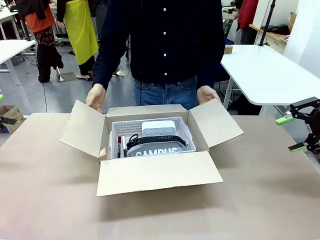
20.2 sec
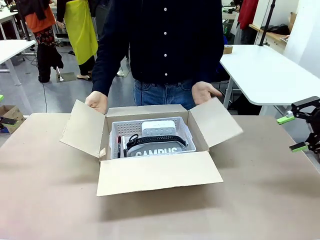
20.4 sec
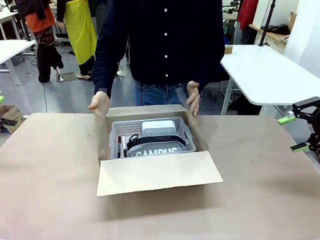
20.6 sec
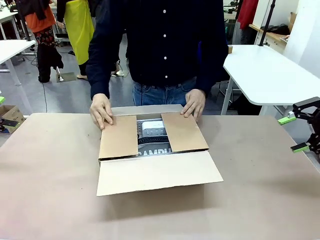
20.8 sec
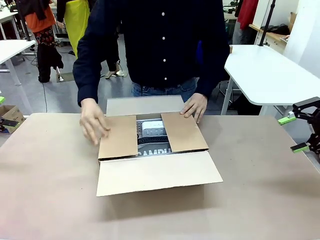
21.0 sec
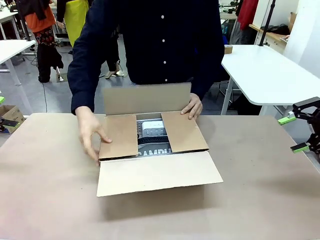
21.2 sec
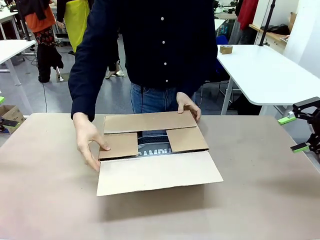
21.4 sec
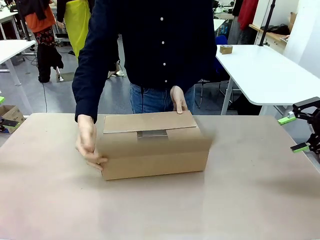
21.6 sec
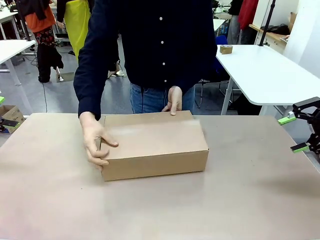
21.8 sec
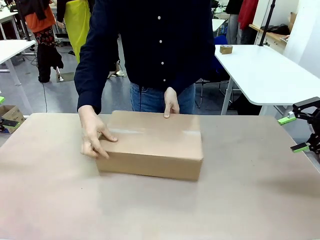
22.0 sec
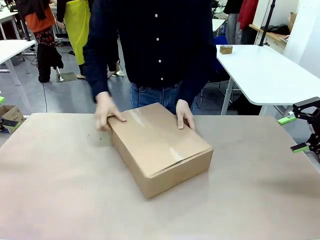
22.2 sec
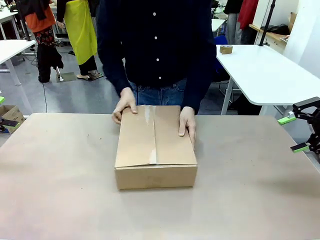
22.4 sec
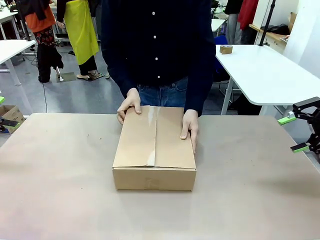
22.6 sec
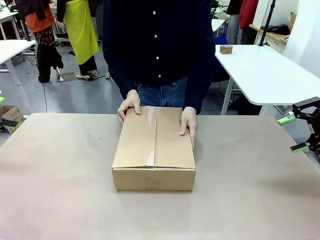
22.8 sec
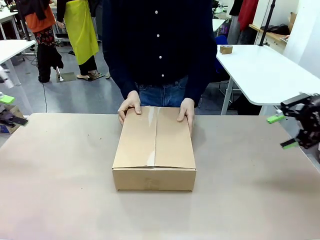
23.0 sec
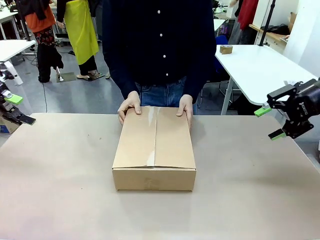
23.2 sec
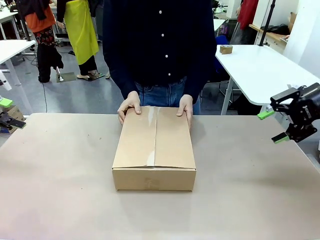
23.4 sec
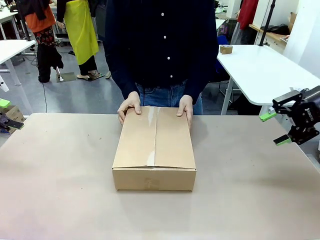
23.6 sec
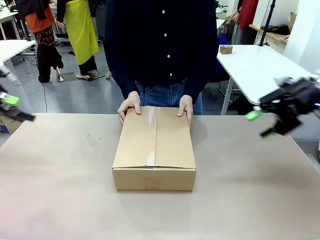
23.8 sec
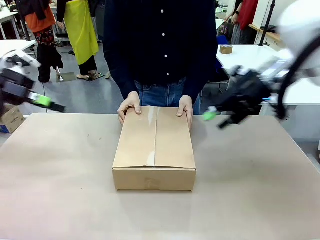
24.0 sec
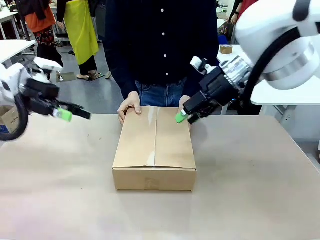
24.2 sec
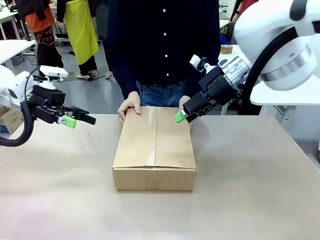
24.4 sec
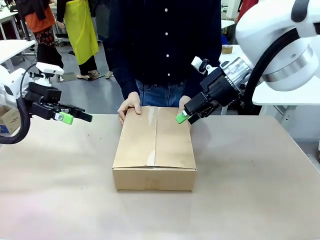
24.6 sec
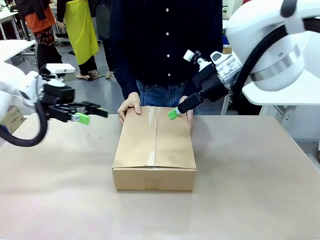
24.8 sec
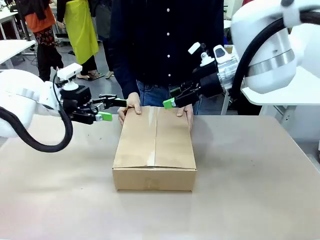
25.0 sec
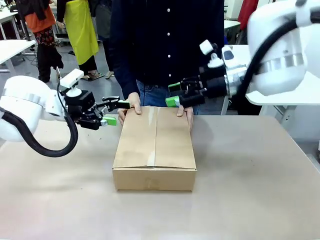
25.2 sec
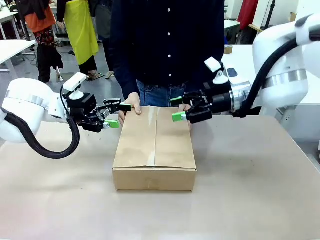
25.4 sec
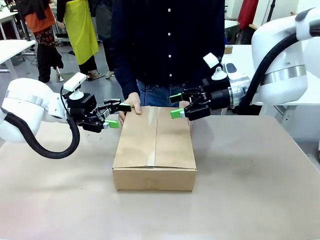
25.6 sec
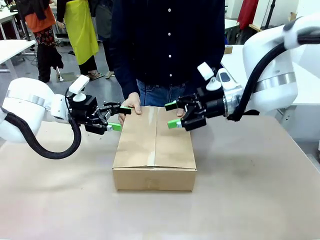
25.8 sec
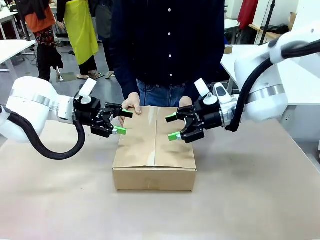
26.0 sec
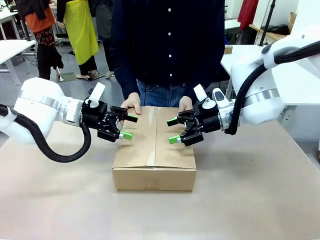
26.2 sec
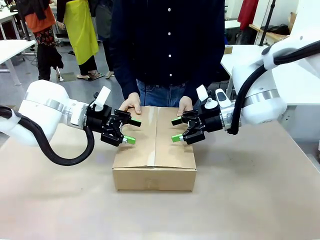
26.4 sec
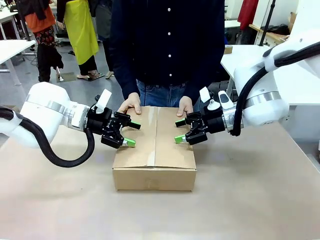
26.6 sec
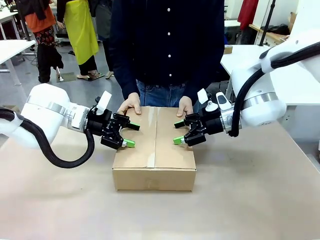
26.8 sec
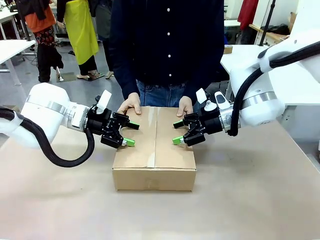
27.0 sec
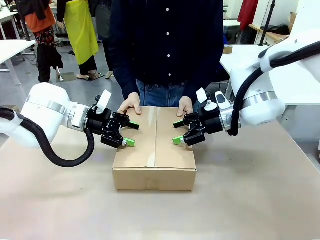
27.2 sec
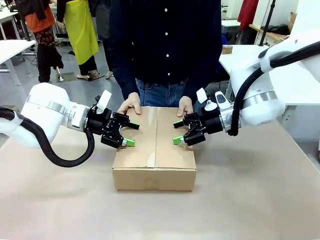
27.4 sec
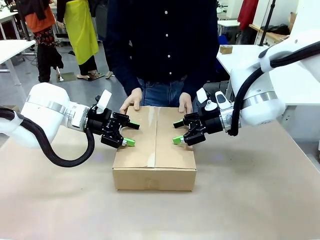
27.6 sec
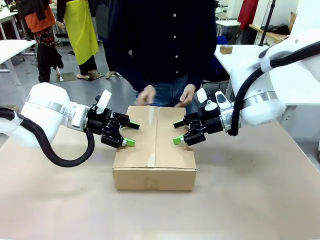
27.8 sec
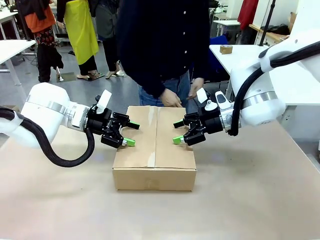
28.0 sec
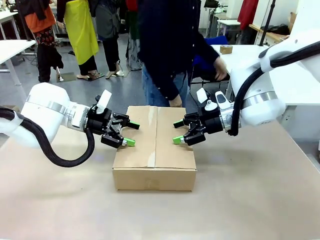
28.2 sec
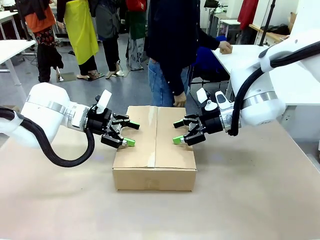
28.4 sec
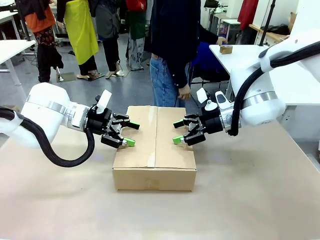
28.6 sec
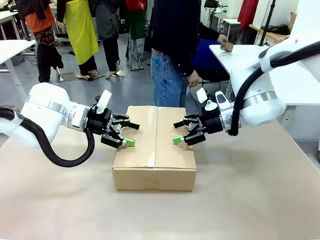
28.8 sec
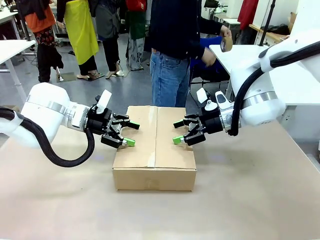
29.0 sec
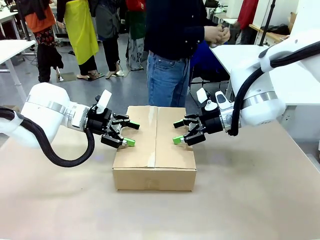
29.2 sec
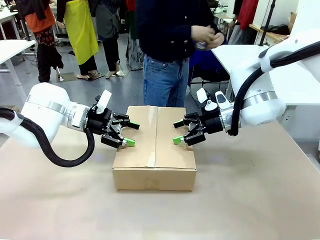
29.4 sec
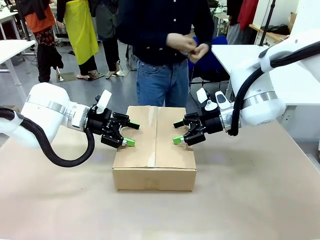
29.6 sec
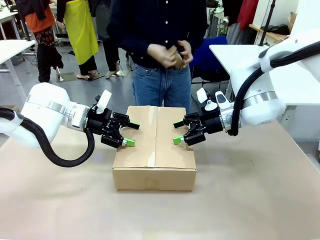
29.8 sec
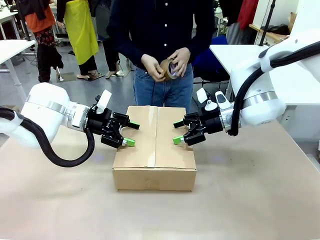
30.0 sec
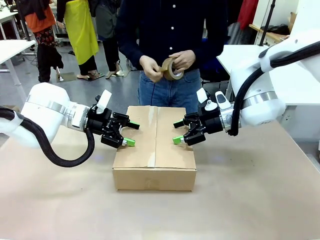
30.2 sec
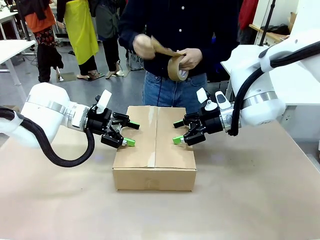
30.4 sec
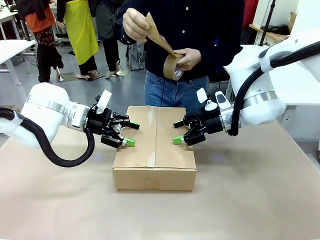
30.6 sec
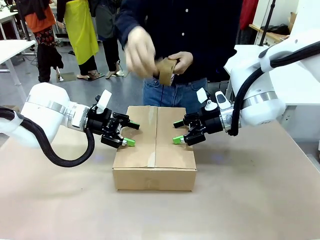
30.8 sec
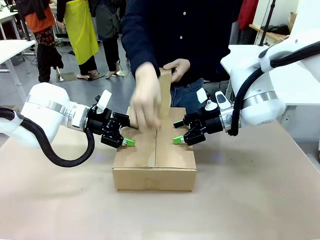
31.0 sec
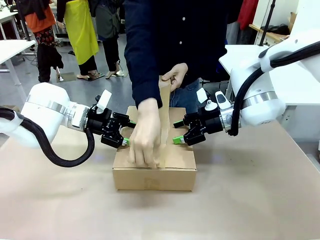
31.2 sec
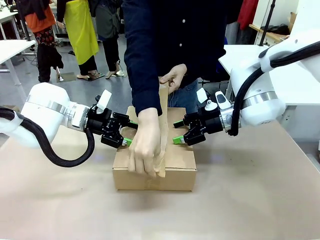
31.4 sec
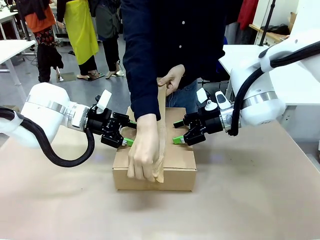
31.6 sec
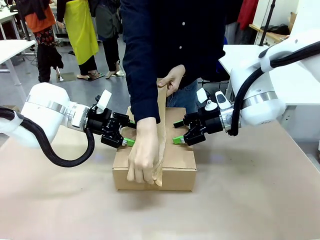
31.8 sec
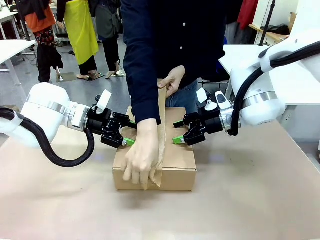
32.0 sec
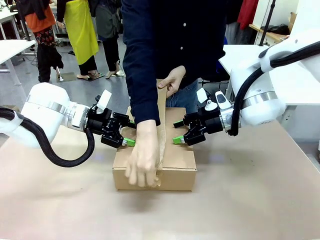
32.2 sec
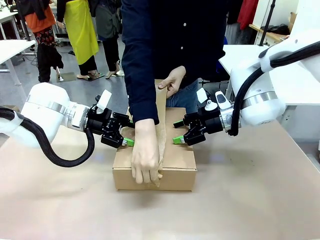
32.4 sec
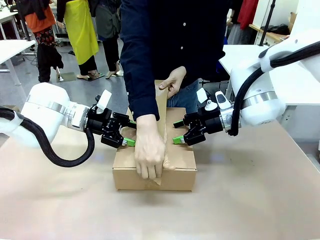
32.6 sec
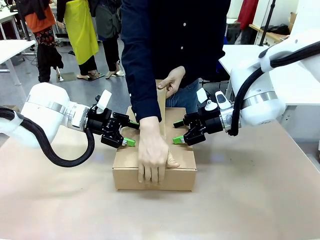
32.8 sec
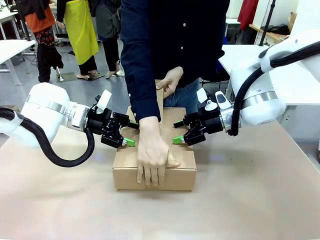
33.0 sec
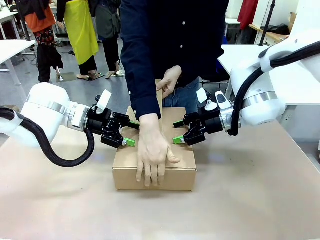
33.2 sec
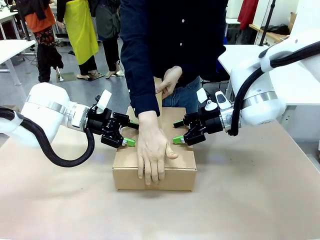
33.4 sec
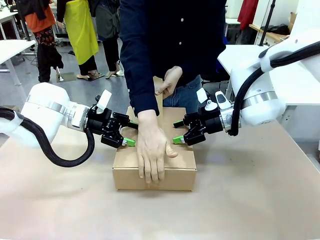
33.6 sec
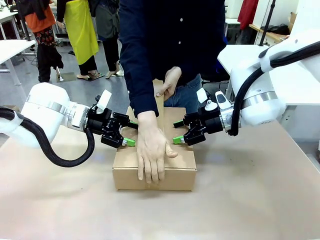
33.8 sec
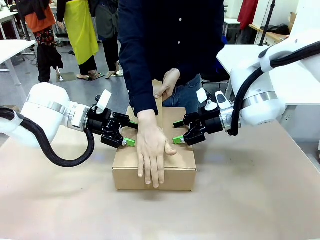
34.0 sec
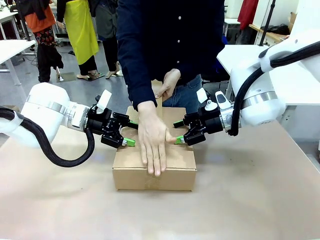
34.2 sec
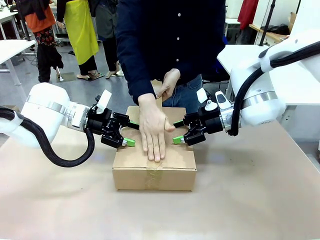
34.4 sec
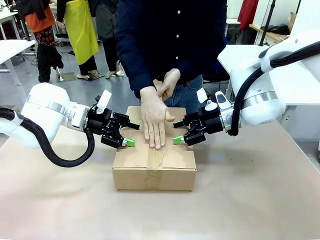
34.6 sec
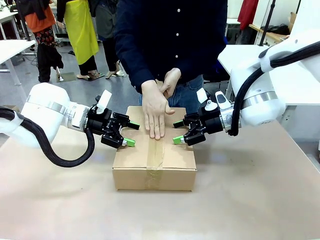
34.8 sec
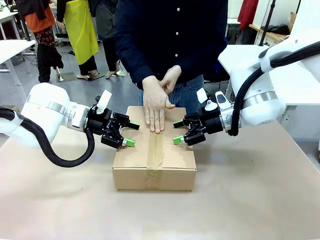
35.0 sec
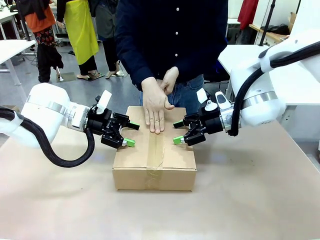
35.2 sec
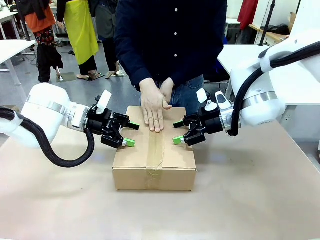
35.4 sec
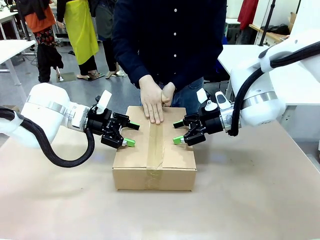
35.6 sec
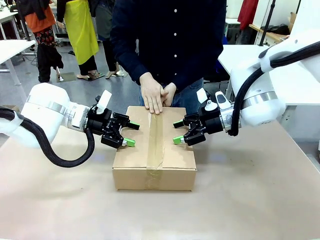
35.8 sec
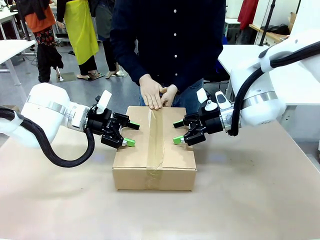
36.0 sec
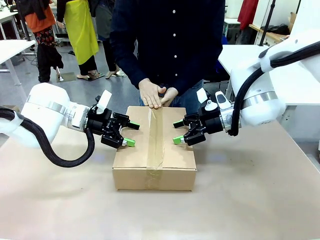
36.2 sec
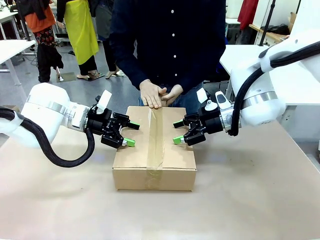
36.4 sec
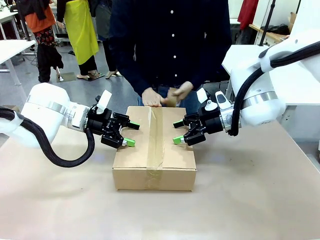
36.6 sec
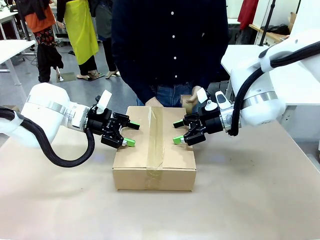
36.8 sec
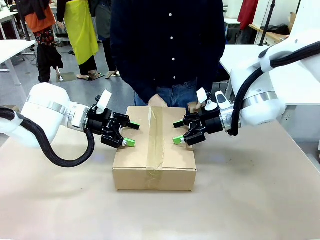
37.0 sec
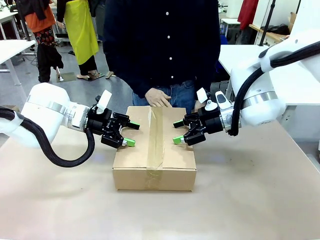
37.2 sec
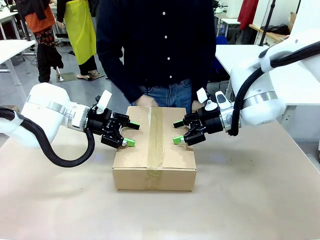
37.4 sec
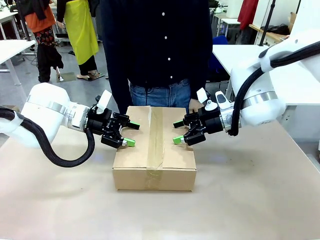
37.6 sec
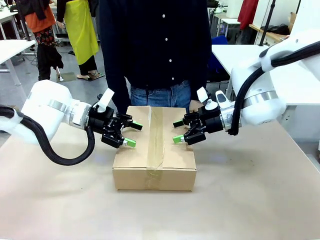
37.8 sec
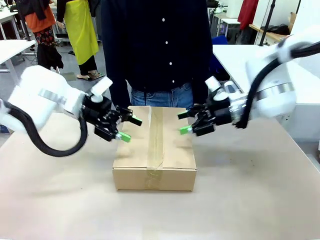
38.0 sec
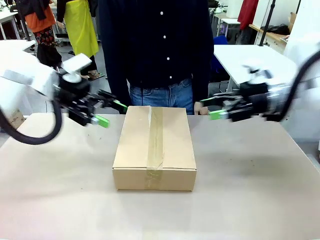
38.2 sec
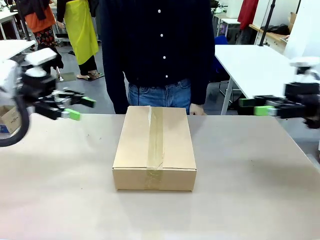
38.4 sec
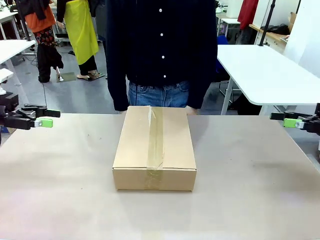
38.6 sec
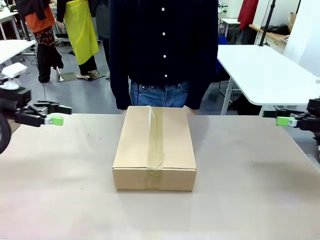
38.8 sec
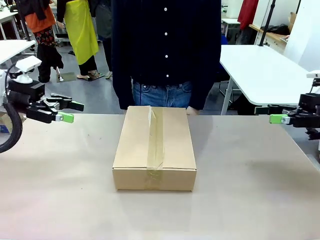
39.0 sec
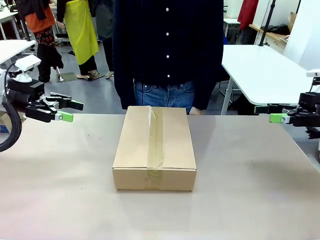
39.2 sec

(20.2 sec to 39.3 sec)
Task: Pack the gift set into the box.
Robot: Press and hold the closed box until the human finishes sealing it.
Person: The human closes the box and rotates the box by 90 degrees. The human picks up the paper tape from the human table and packs the box.
